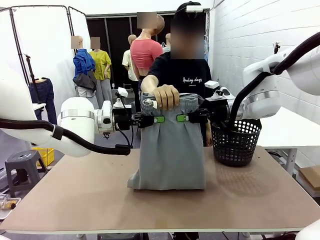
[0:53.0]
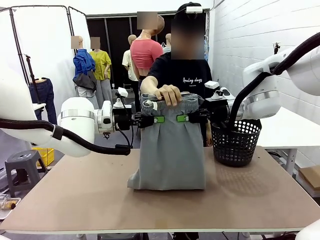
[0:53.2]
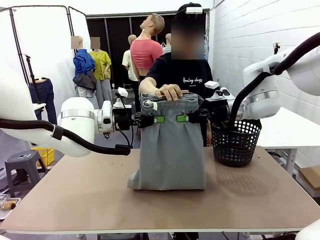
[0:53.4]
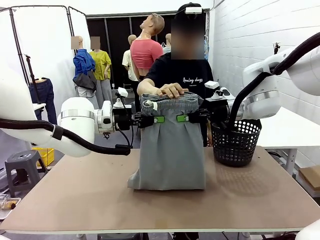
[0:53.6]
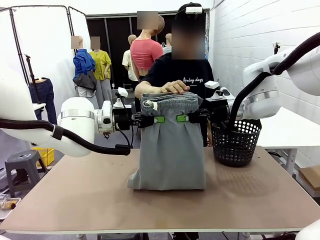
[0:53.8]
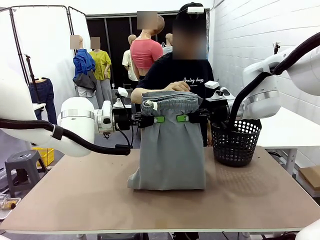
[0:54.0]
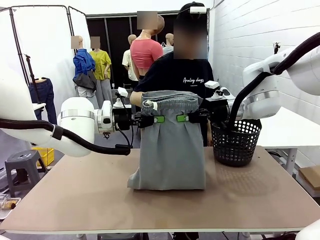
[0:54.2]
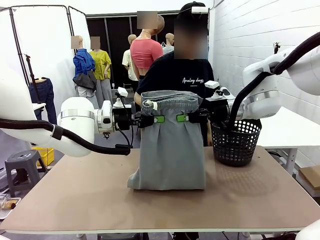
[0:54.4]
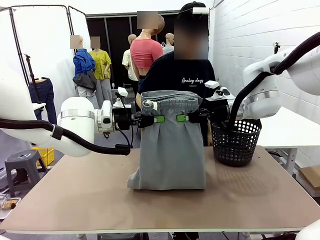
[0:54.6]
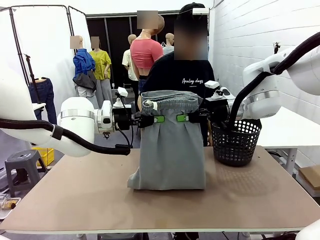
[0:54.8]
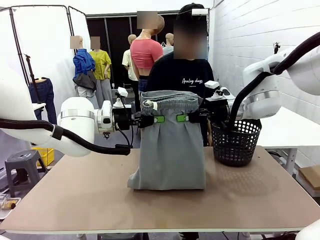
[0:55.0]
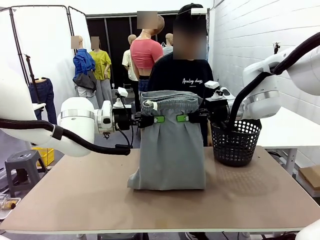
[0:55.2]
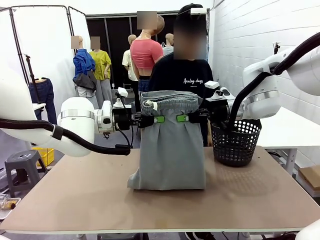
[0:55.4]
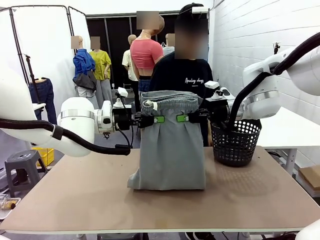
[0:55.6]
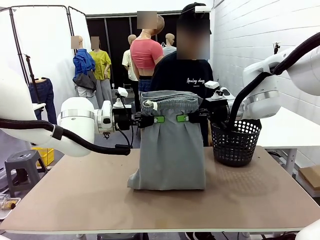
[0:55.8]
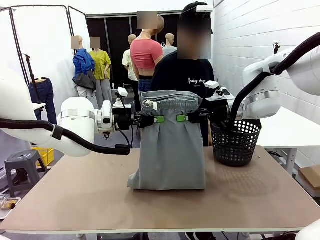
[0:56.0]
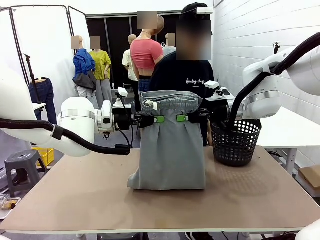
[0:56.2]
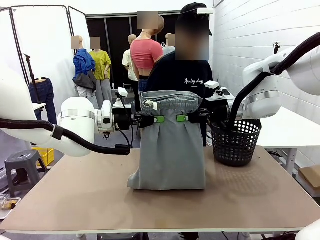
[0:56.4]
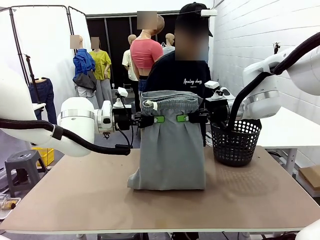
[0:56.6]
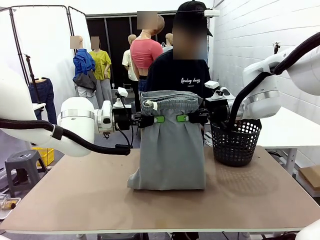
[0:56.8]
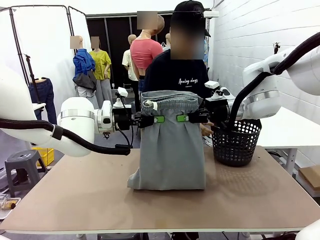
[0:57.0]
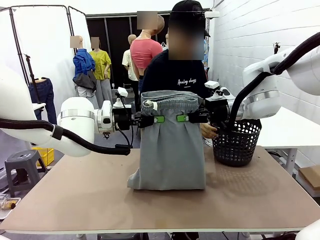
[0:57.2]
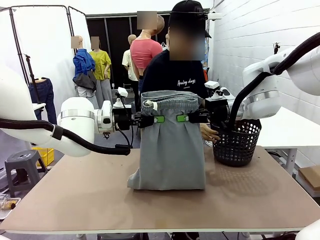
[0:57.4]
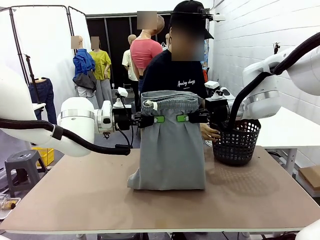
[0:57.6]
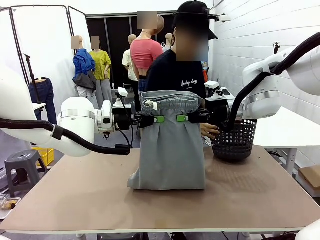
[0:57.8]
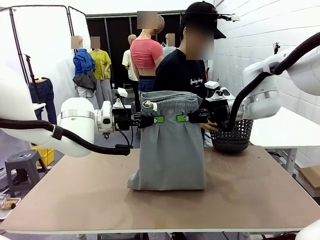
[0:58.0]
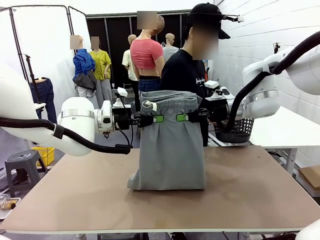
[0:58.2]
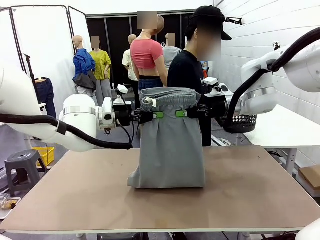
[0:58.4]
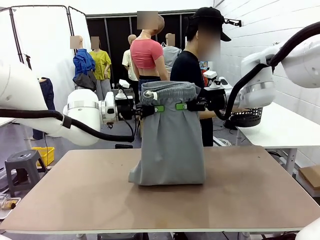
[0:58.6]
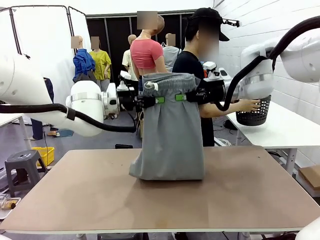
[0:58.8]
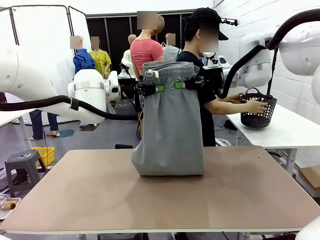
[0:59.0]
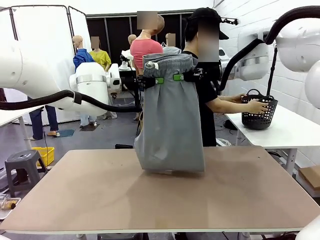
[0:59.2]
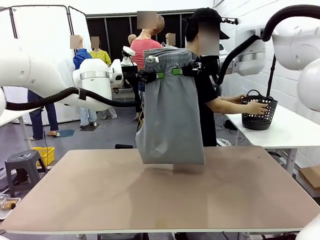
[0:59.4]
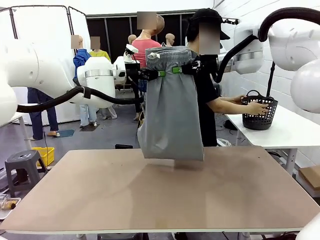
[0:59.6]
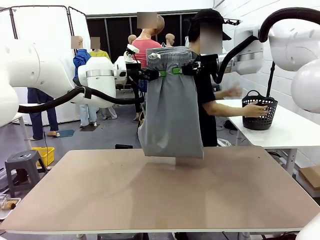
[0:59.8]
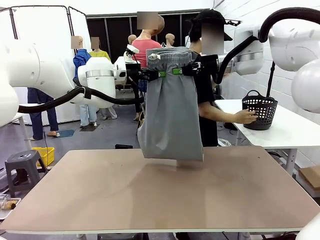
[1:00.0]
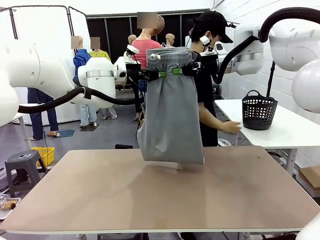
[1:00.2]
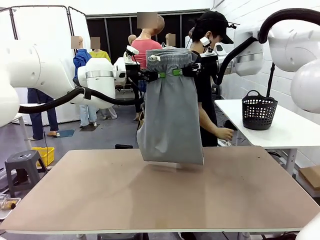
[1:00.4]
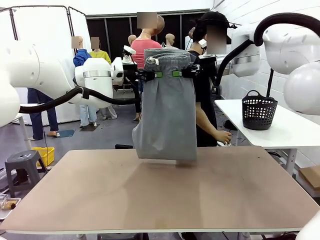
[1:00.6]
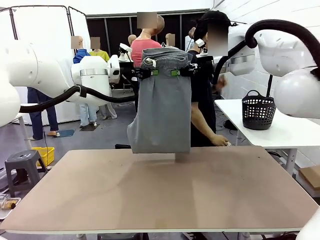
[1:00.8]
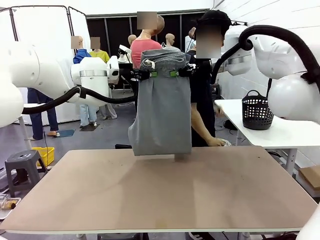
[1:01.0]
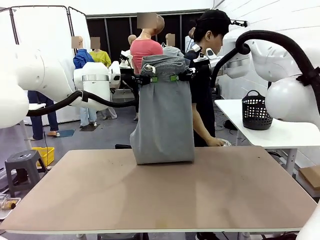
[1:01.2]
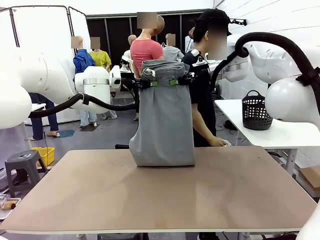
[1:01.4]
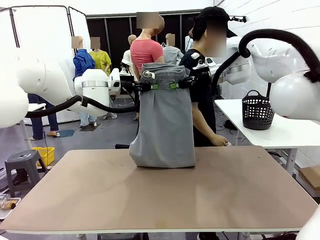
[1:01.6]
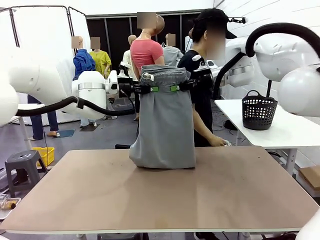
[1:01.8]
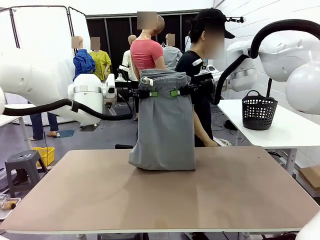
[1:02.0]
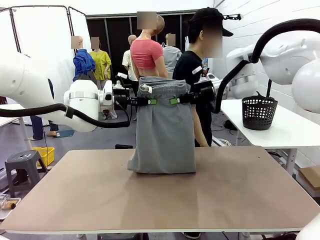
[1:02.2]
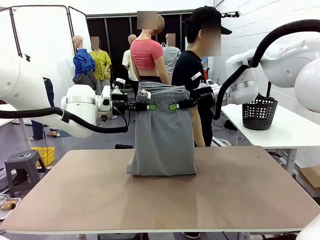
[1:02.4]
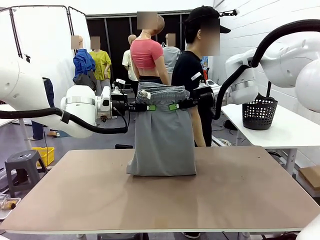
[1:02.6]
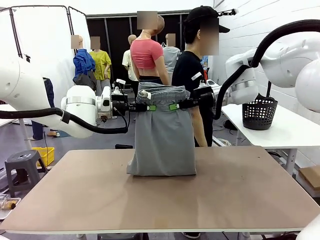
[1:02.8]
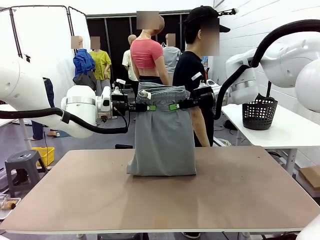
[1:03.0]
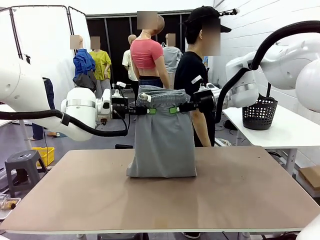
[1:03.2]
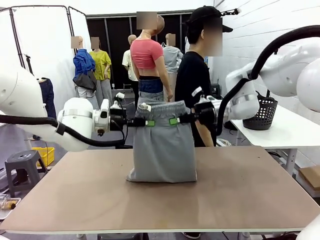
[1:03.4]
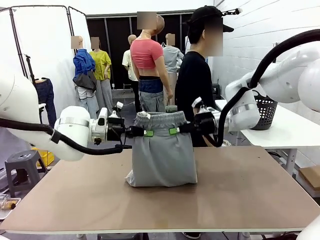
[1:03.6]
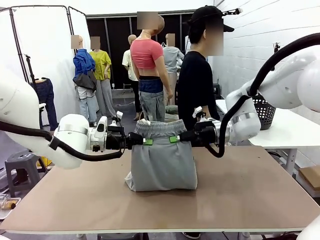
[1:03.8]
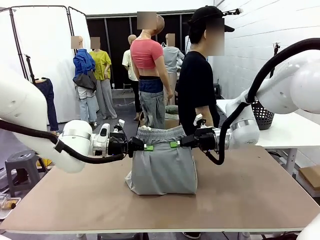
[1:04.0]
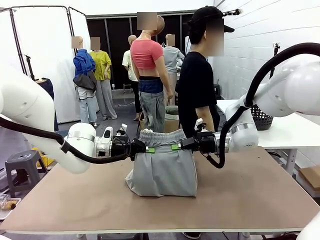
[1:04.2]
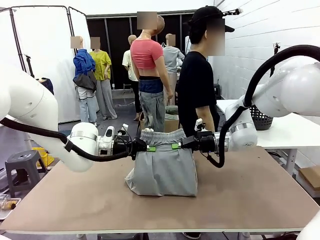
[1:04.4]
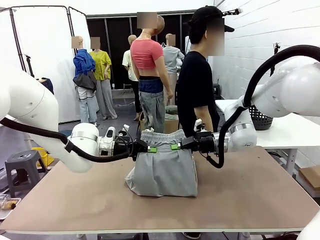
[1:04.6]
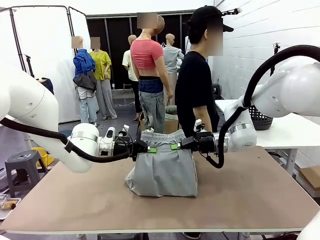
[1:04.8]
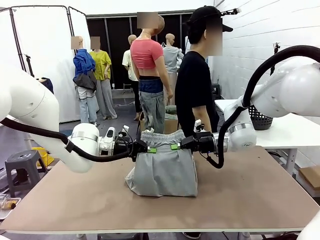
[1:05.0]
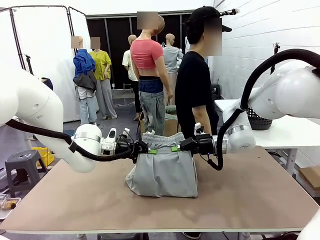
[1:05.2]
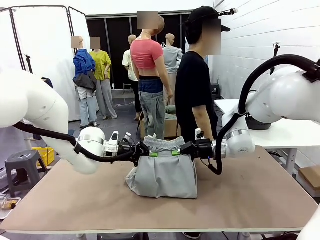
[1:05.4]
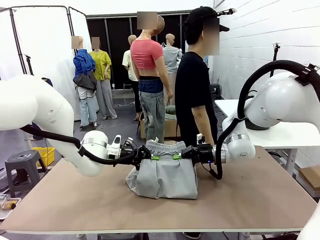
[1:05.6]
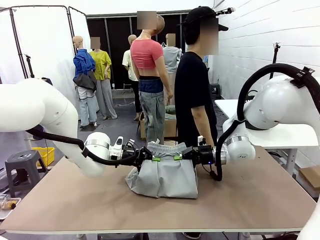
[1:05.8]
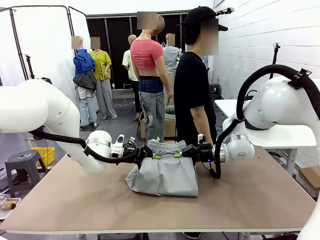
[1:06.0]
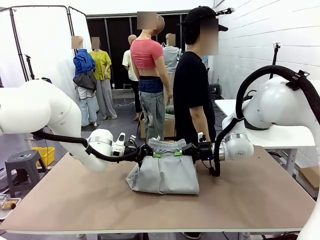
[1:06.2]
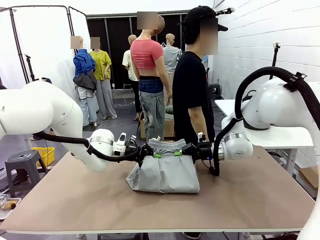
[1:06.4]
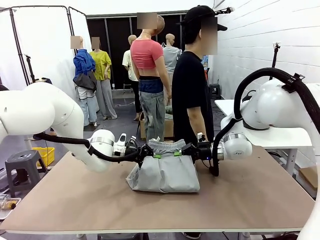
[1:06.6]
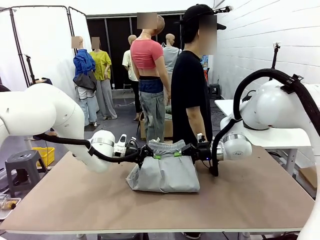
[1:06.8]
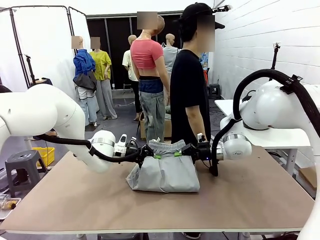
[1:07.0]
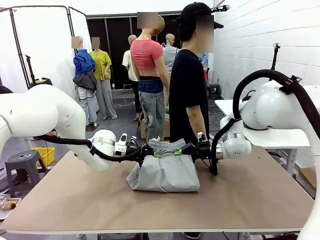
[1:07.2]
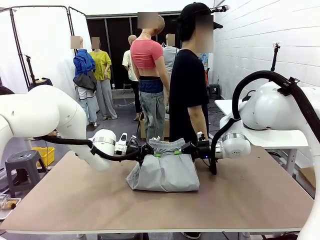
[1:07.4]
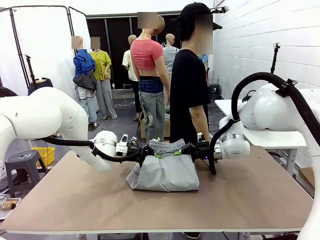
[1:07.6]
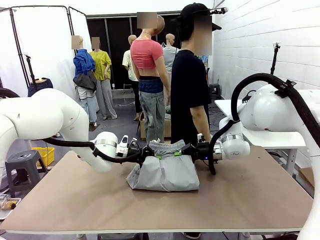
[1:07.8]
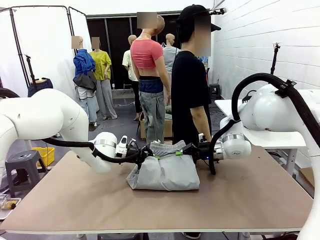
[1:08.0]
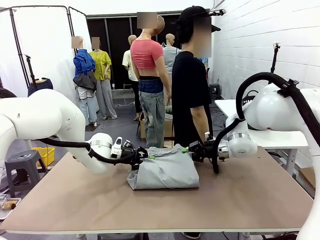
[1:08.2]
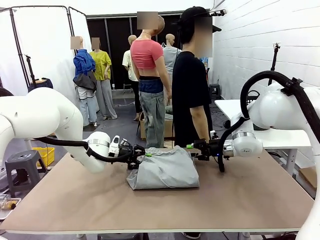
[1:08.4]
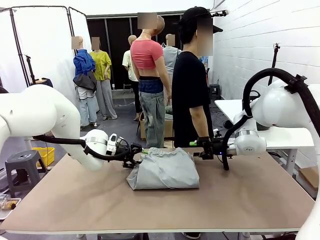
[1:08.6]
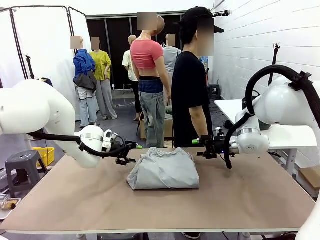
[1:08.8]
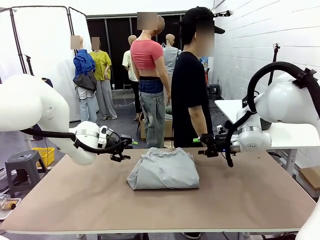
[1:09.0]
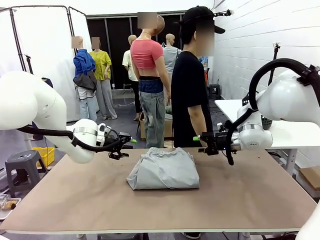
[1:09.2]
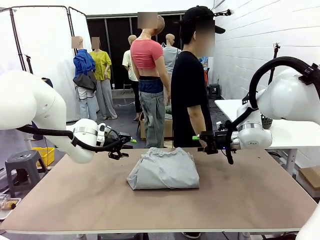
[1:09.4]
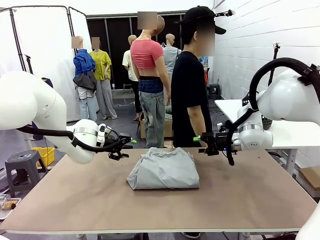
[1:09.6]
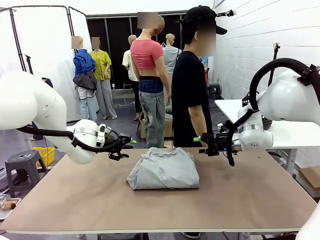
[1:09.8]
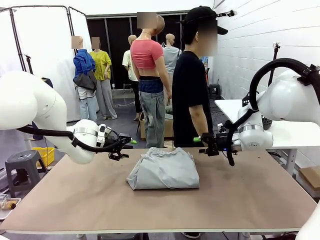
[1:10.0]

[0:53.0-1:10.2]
Task: Fold the training pants.
Robot: Fold the Training pants in half.
Person: Move the laundry basket to the right of the human table.
